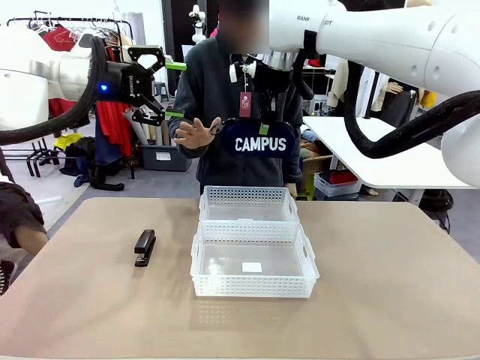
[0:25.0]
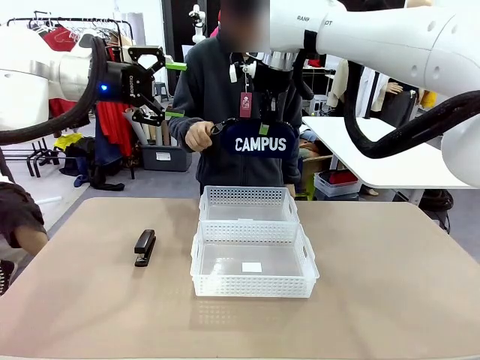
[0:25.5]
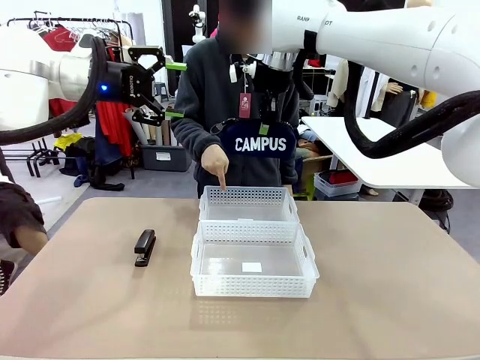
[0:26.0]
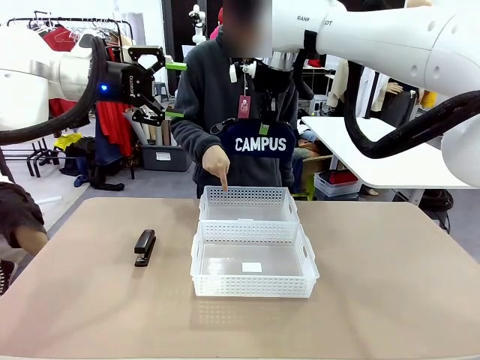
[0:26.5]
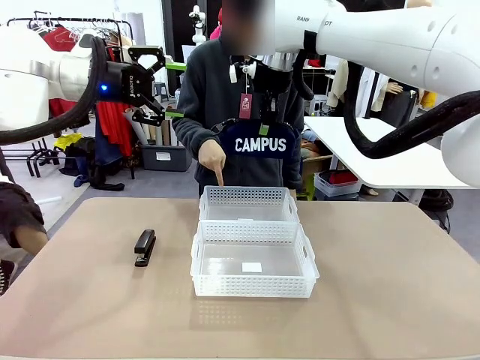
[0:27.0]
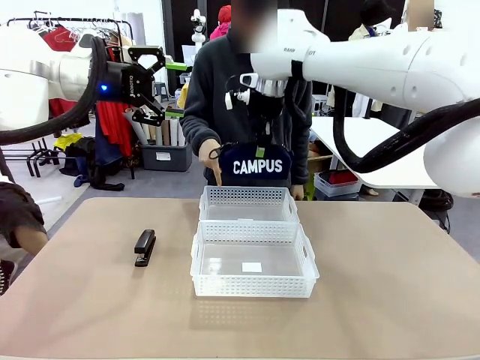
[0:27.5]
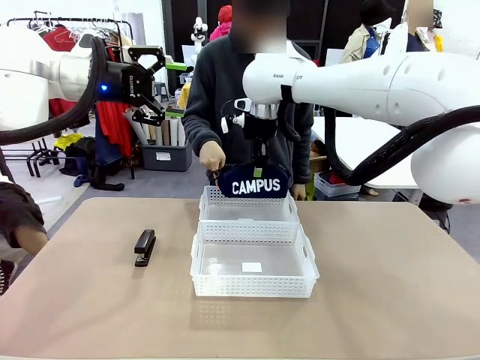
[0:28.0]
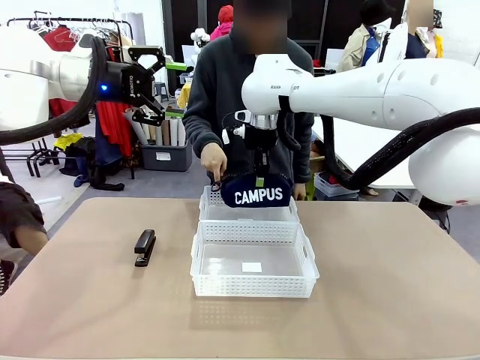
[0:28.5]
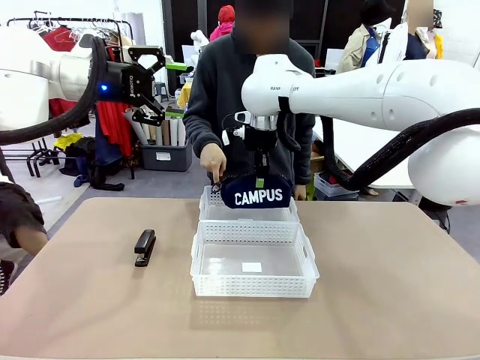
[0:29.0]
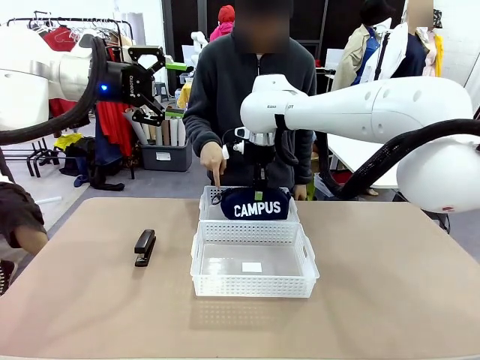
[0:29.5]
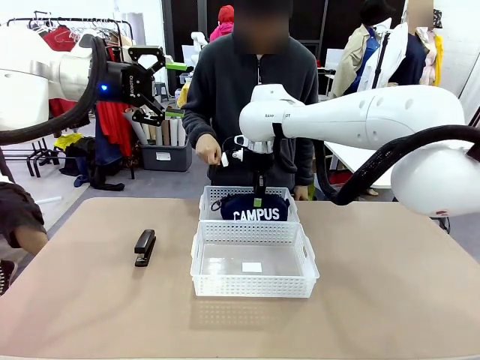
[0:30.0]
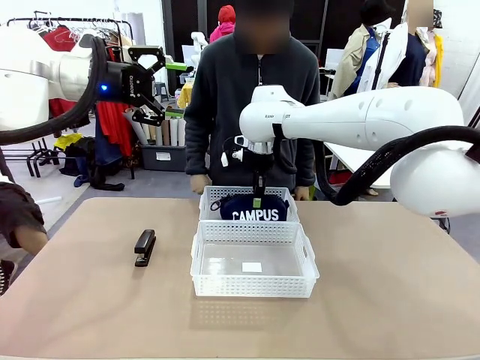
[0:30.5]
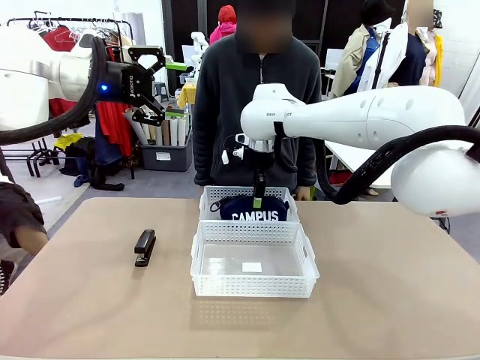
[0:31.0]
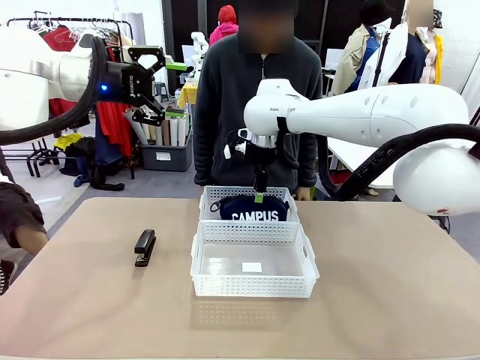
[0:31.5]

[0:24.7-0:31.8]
Task: Distribute items into two baskets.
Robot: Place the picked Pencil pouch into the Organizing basket as instructed by the person.
Person: Instructs the robot to place the pencil case into the opposite basket.

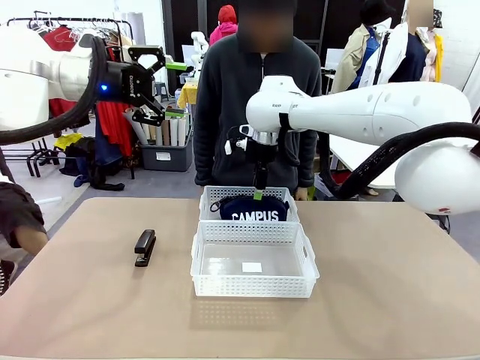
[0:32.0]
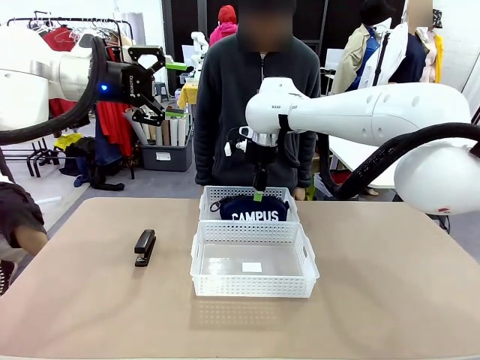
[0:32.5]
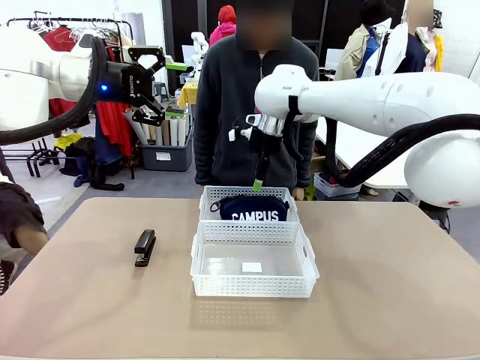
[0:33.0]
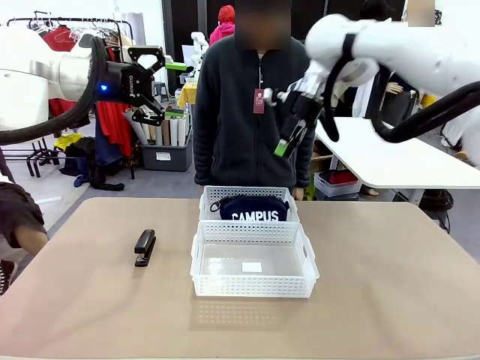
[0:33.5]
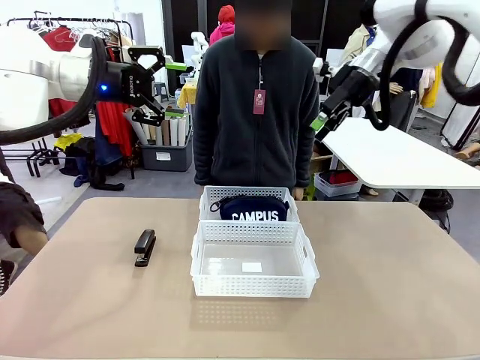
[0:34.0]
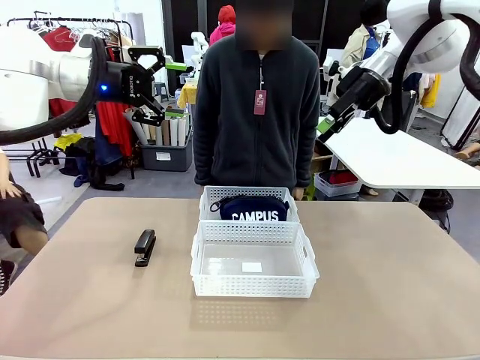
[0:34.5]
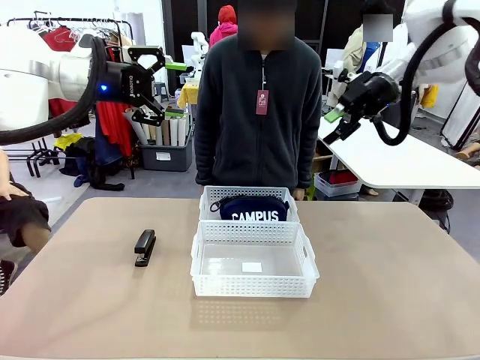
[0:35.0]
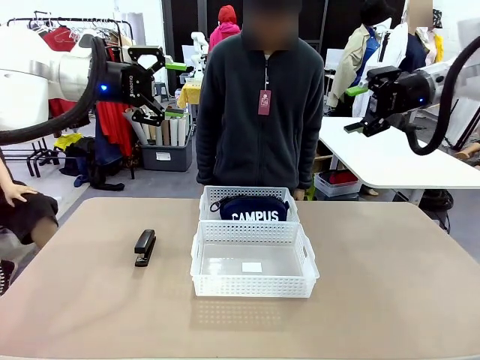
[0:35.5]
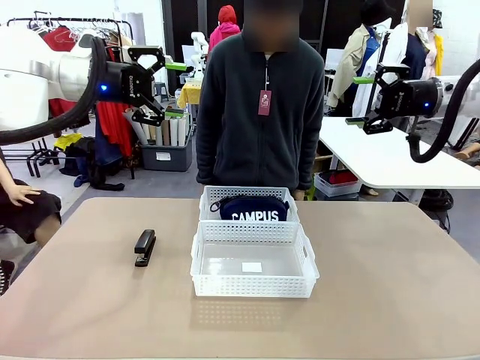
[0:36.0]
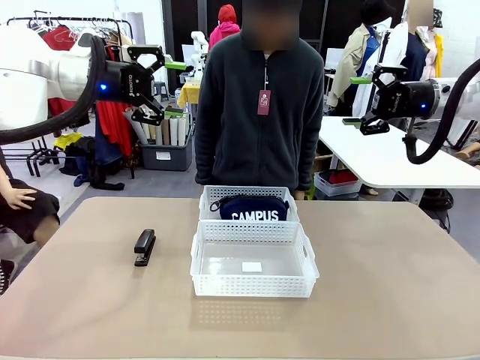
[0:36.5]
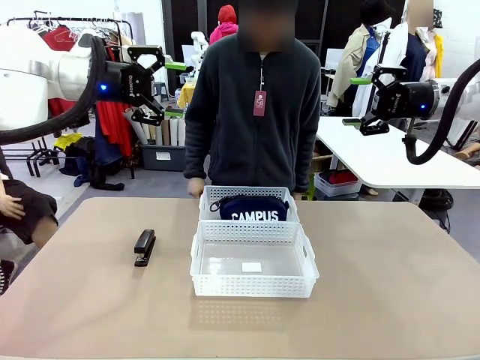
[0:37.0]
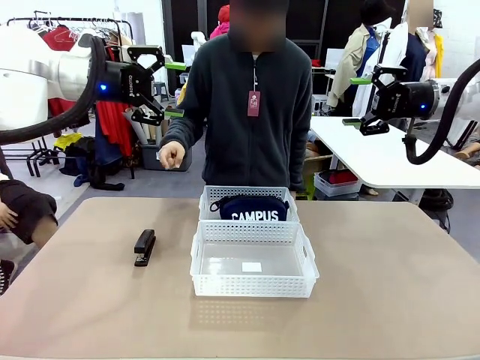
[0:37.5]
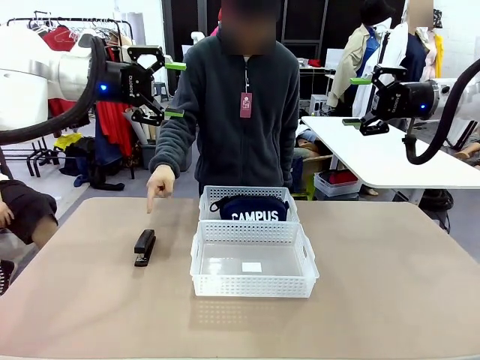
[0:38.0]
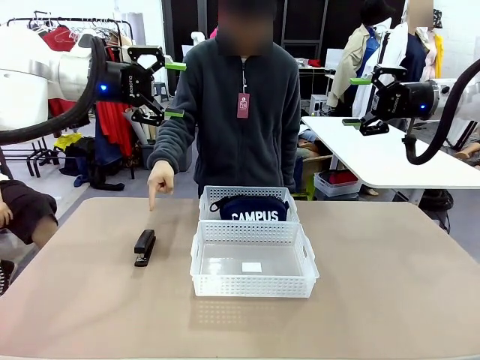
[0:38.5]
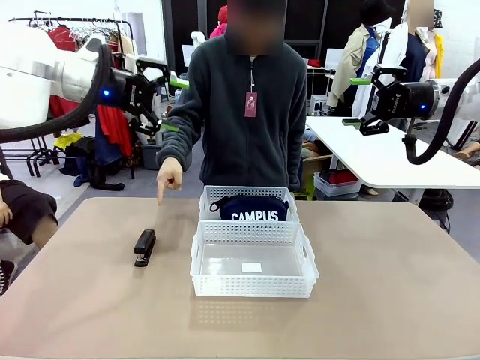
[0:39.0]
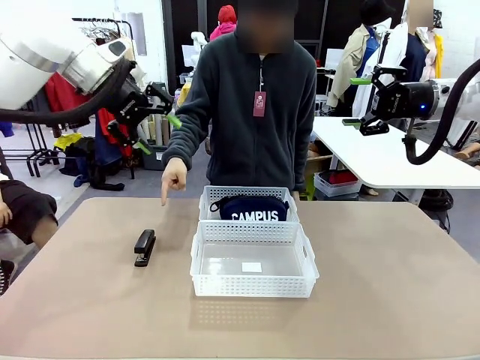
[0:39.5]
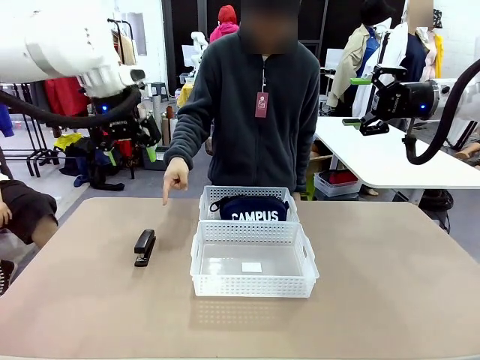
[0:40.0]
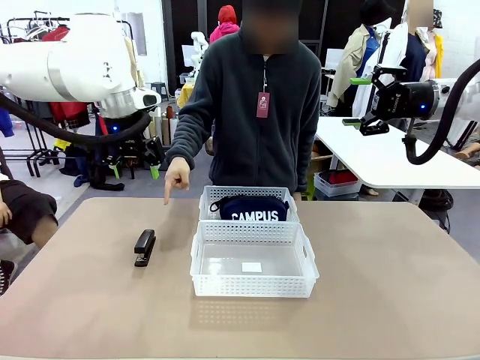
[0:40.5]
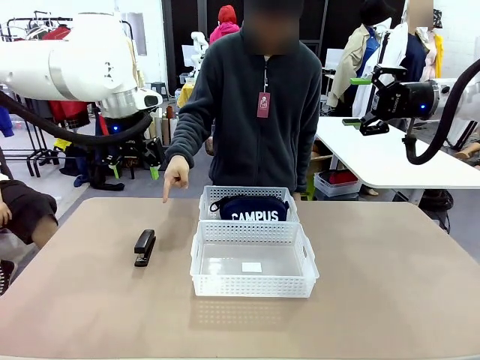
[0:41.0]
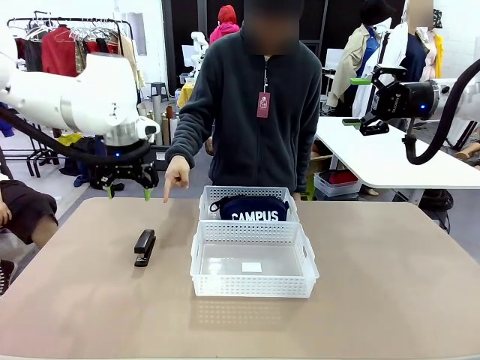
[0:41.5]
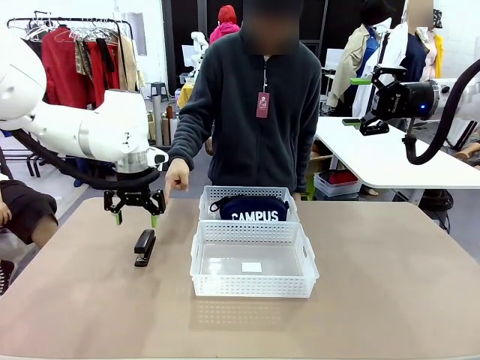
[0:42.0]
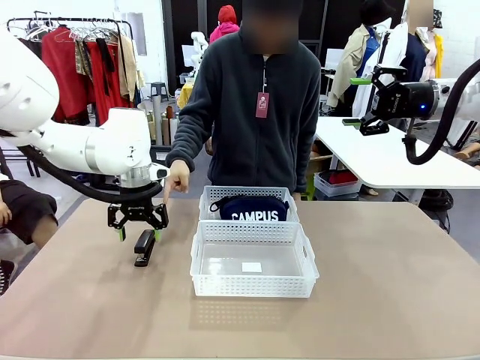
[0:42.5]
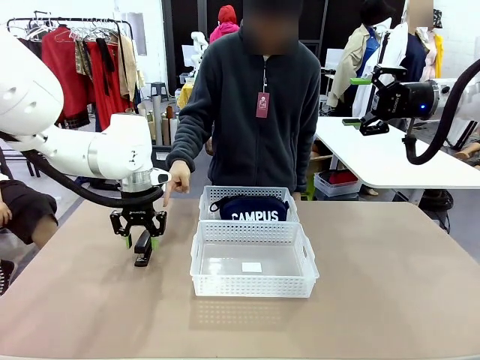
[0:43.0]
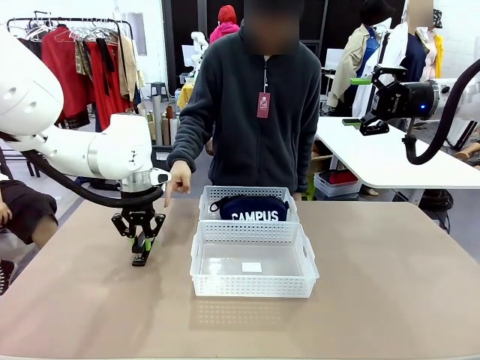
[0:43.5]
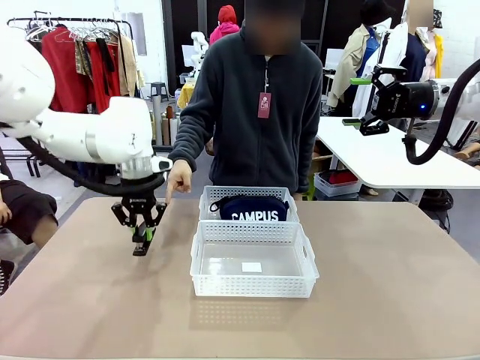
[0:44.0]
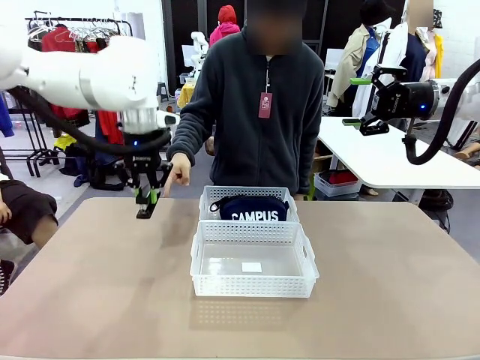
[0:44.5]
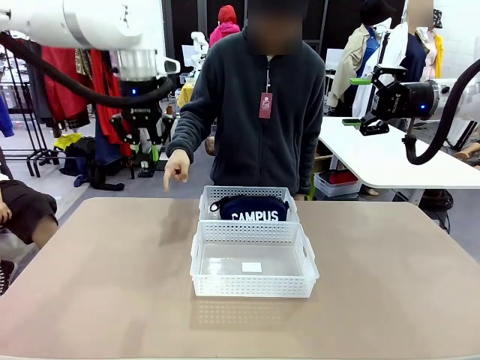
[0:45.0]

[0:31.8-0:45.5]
Robot: Pick up the Stapler that the person points to.
Person: Points to the stapler.

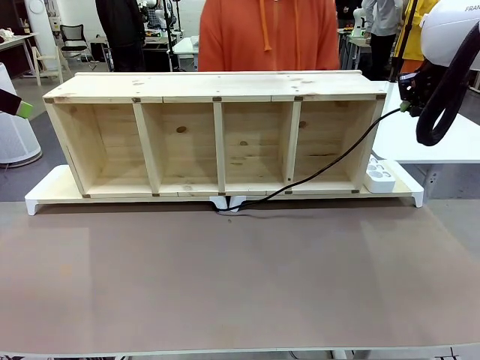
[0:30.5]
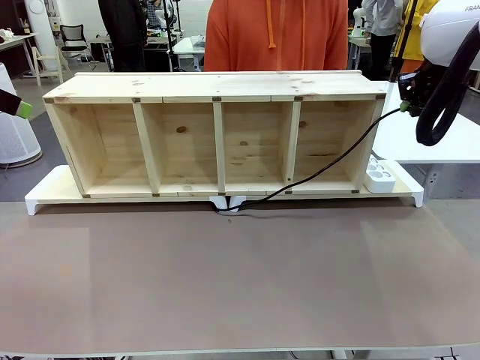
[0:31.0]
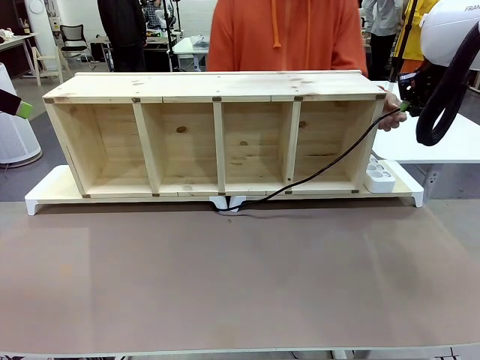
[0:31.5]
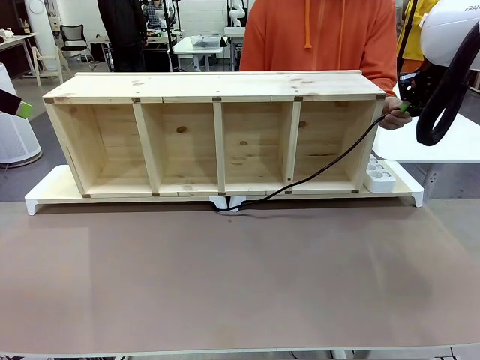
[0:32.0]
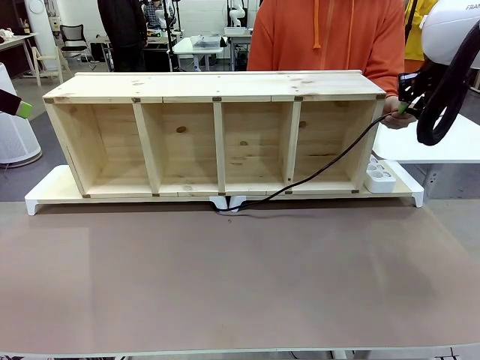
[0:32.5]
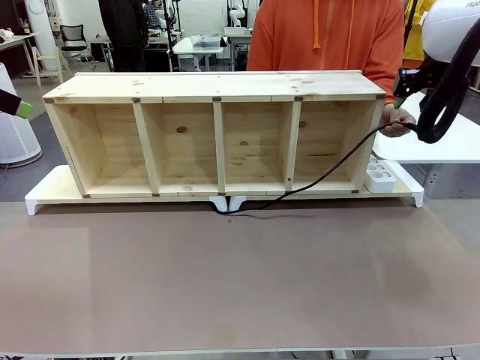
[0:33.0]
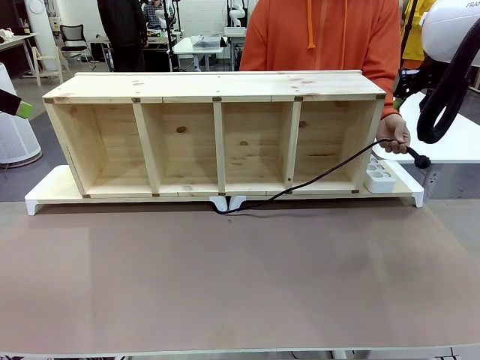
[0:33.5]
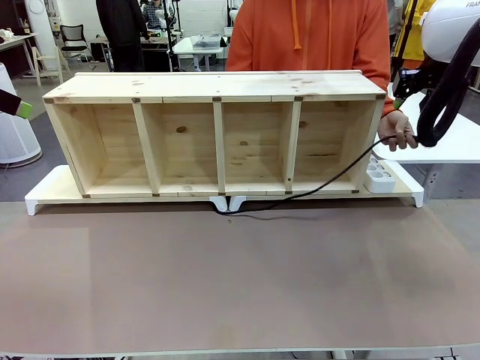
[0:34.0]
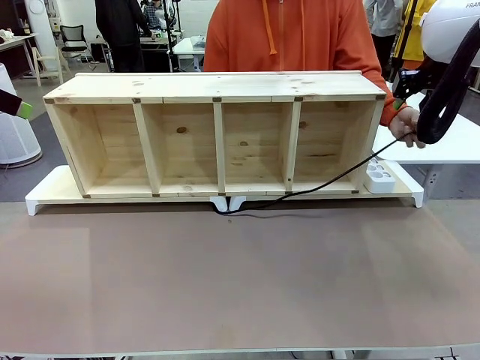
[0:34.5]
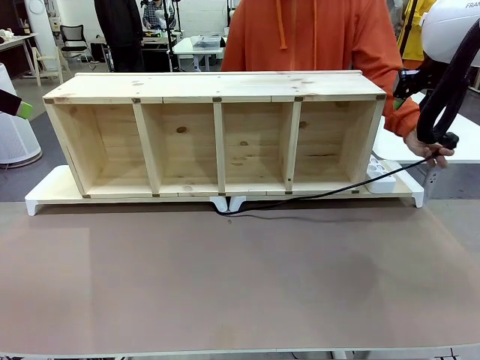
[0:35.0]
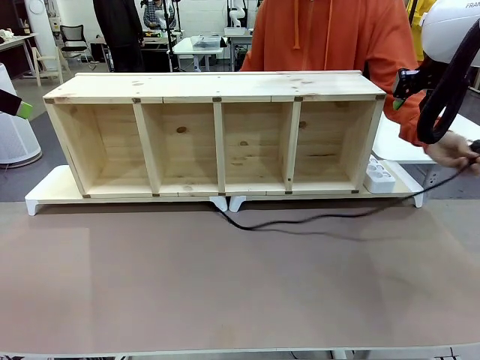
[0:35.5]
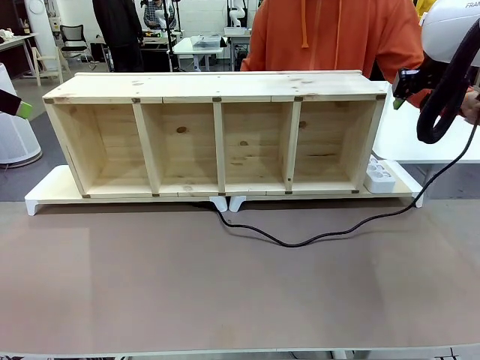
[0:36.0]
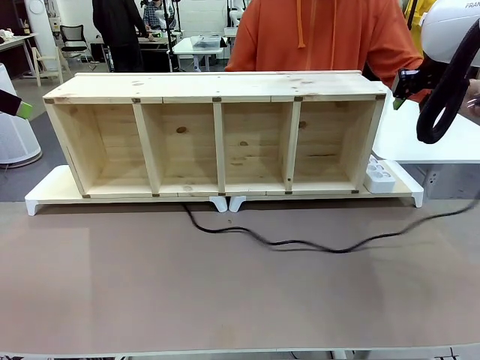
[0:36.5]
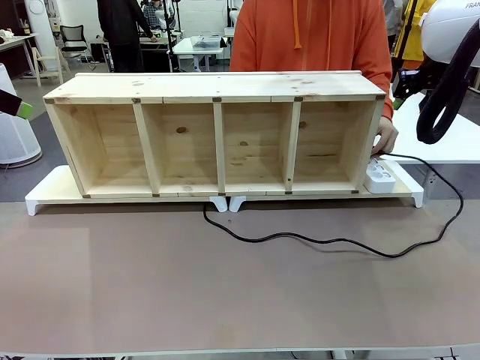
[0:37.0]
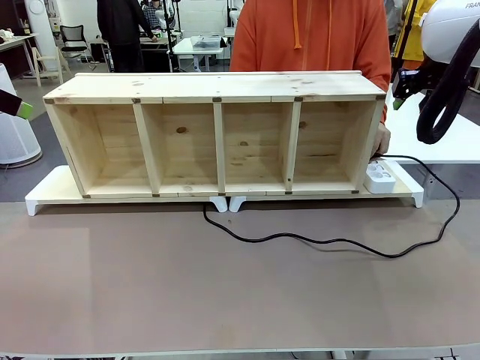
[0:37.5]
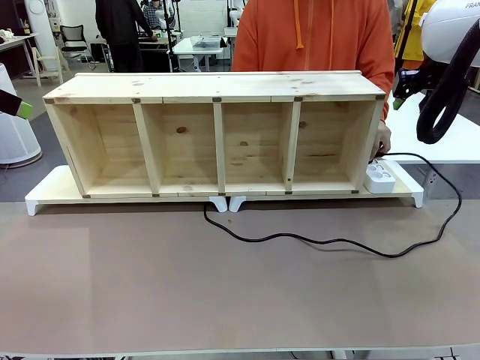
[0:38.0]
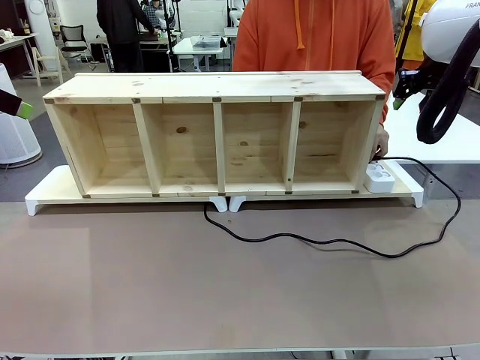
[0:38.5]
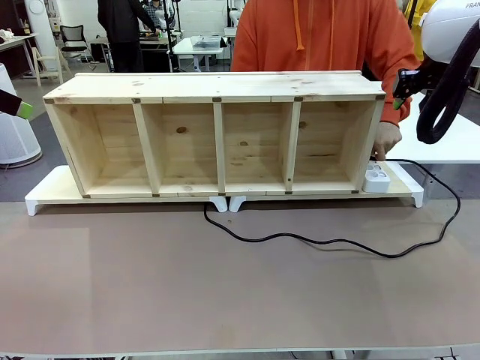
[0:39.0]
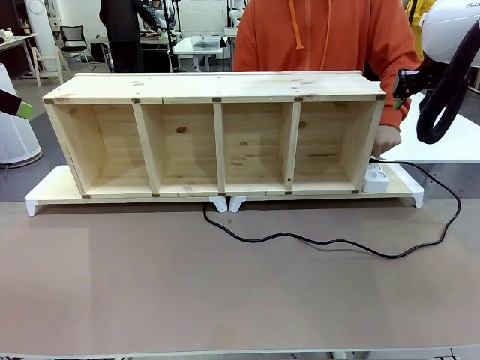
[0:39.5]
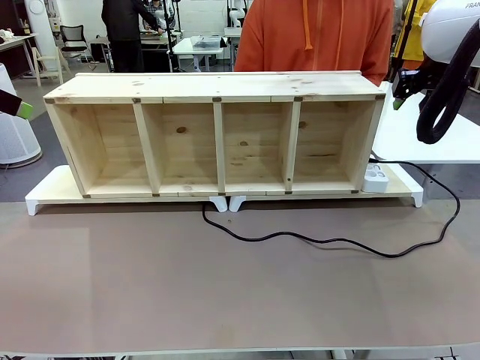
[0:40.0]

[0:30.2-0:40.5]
Task: Perform cable management.
Robot: Release the Power Cable when the human grasps it.
Person: Plug the Power Cable into the Power Strip.
